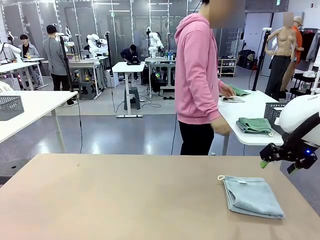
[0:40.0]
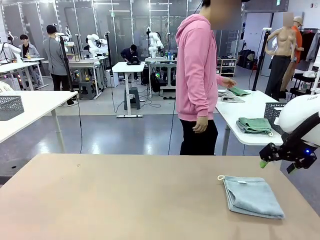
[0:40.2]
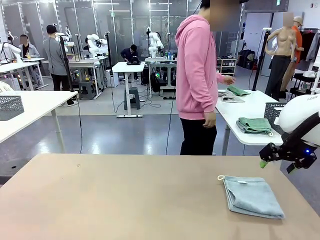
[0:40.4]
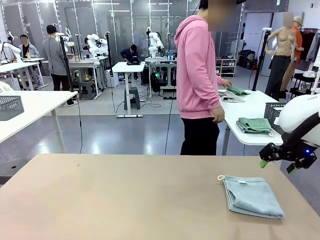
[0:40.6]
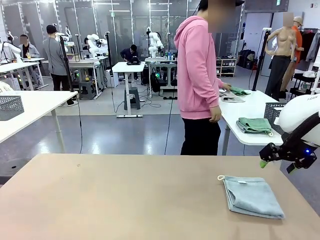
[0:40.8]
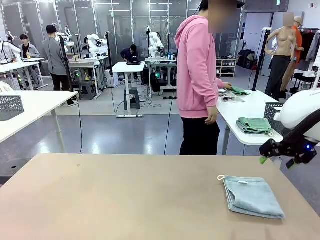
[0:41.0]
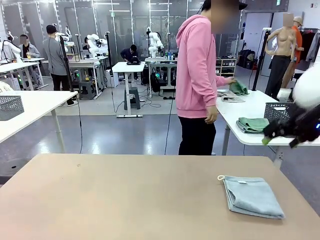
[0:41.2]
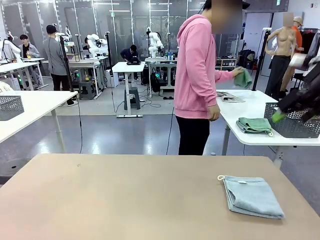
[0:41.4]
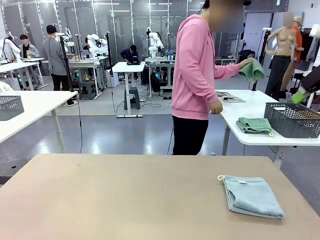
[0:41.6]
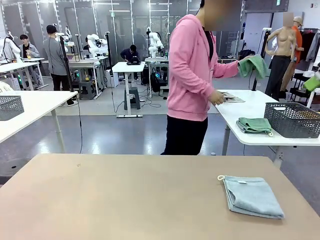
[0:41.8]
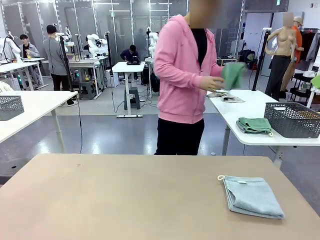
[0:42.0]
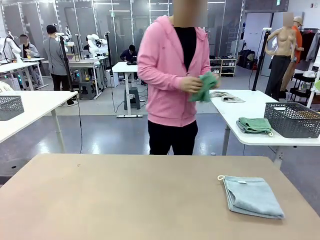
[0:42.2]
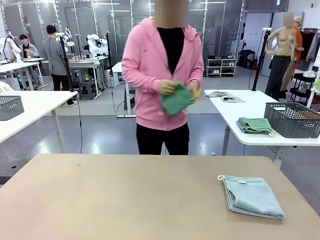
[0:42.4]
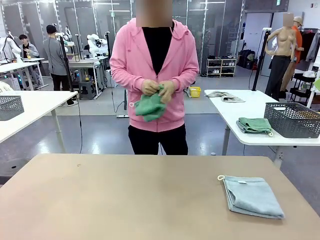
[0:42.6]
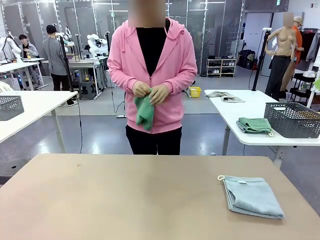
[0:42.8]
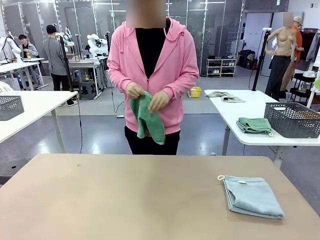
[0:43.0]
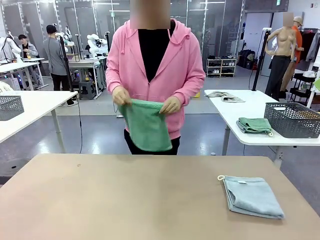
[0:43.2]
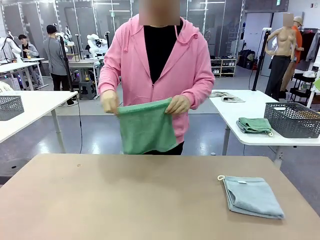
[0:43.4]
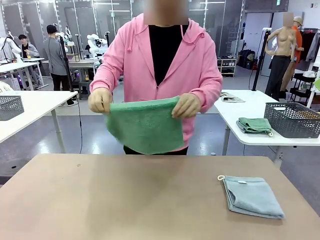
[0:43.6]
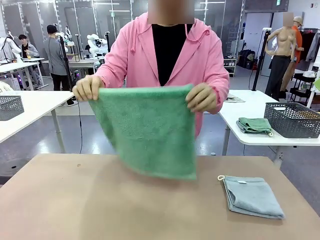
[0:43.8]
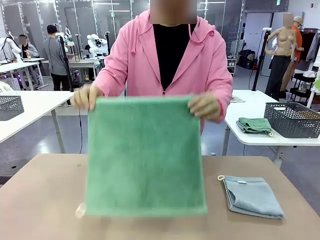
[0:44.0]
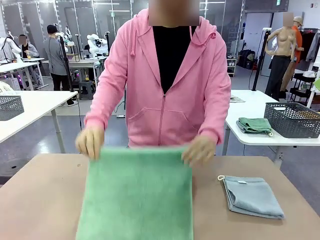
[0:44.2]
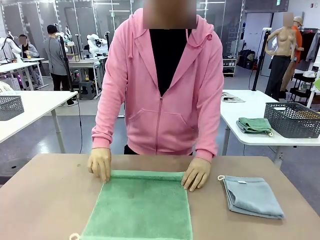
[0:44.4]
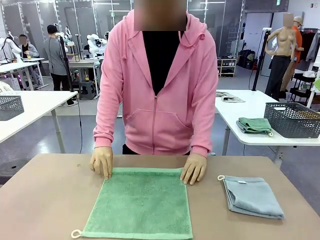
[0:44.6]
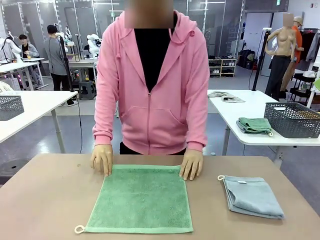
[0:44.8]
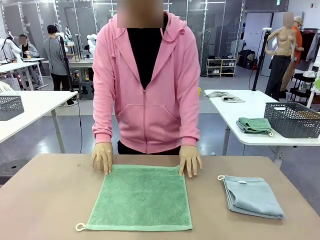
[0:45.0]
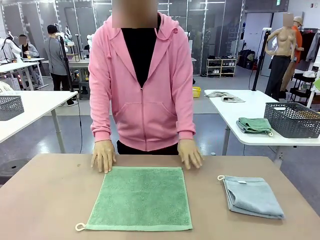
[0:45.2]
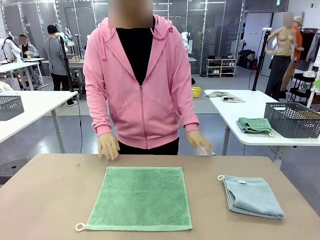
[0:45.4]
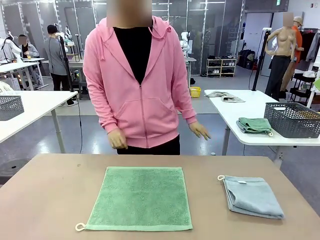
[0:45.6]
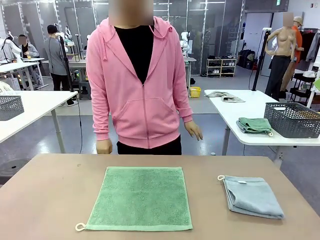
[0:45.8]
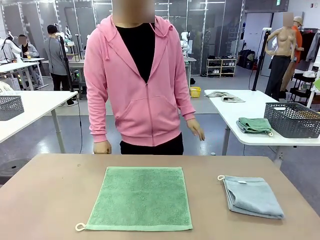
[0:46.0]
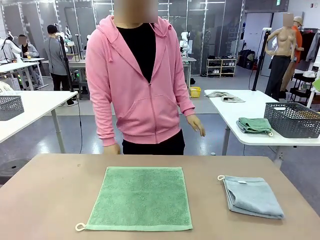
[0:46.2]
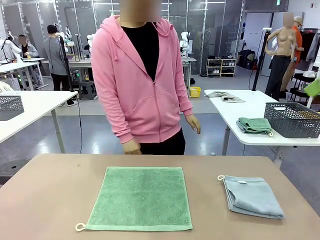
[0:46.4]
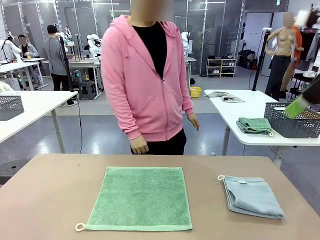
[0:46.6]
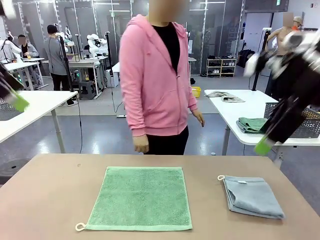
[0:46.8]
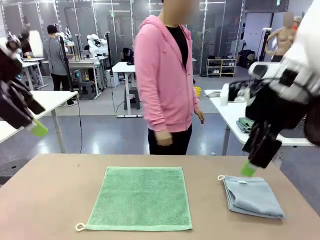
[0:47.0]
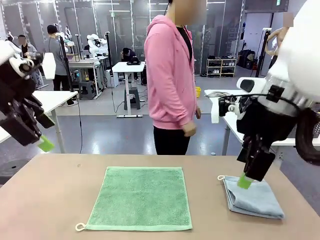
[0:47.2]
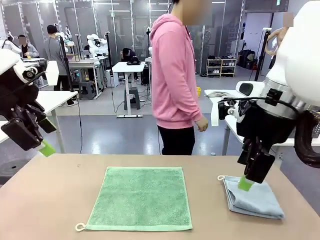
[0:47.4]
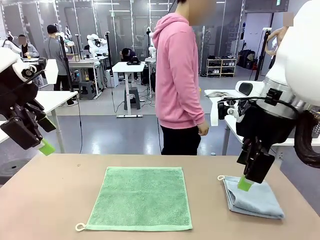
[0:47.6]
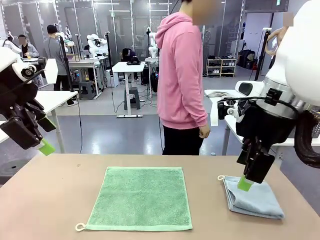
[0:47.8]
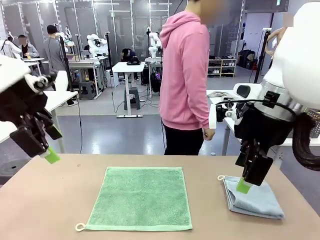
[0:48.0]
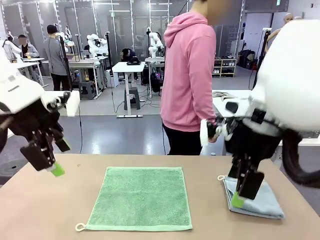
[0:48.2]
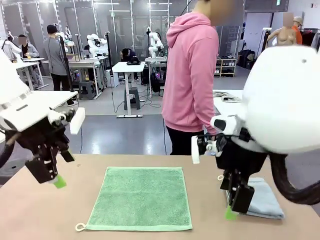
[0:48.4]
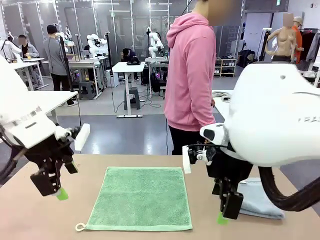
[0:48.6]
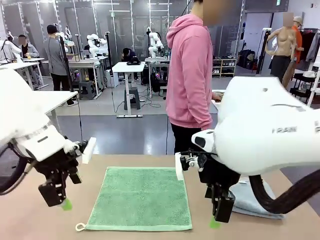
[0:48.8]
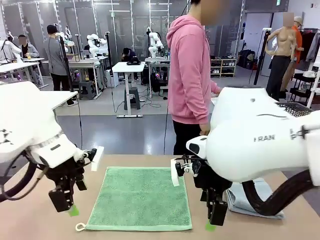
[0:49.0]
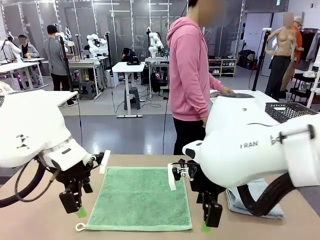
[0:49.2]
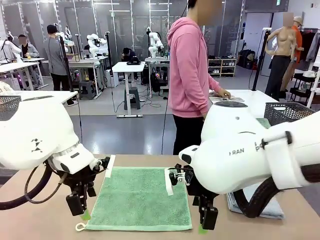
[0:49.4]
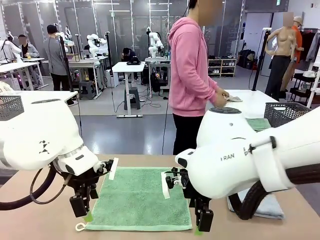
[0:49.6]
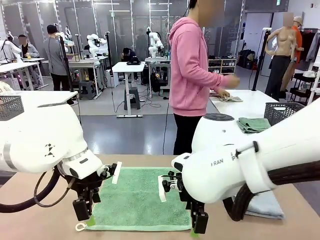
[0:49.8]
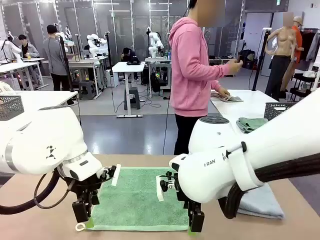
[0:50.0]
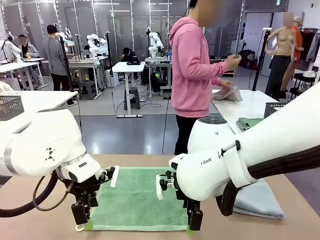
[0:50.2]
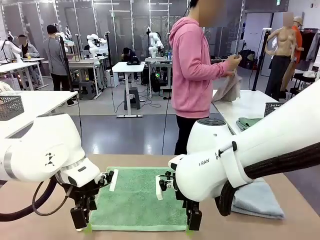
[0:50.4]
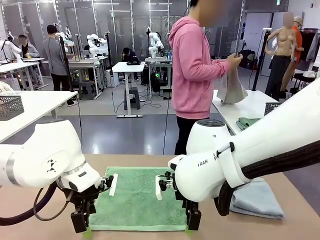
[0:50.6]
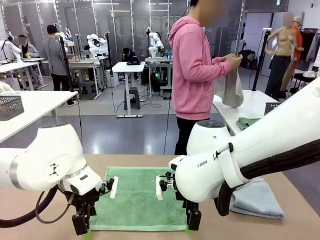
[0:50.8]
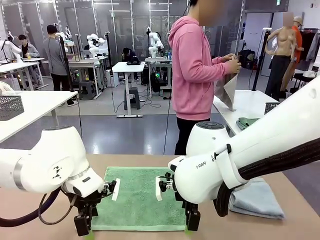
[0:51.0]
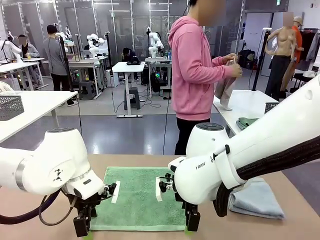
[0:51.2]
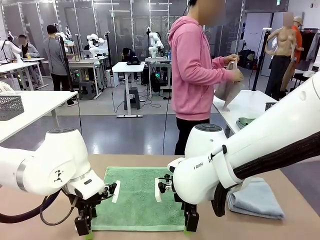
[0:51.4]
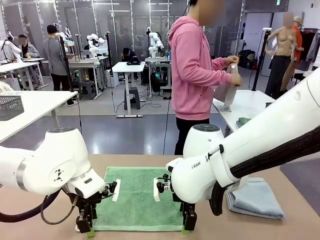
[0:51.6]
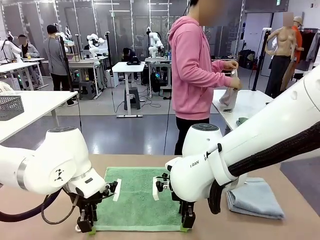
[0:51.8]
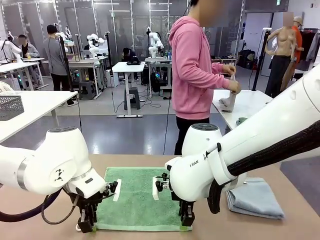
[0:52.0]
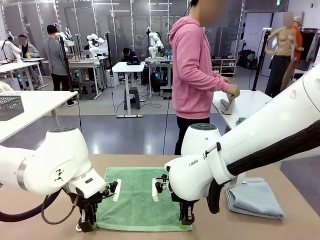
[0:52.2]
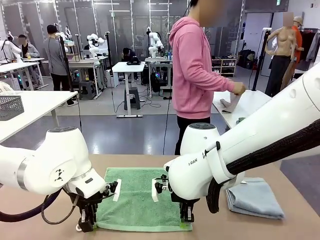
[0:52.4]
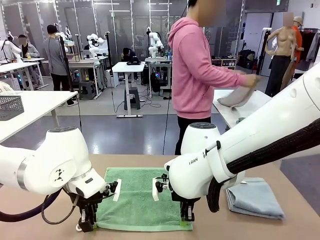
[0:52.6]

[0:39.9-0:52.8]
Task: Fold the towels and place them in the basket.
Robot: When a person lays out a Towel with hook on the table, fold it in half twice.
Person: Pick up one towel from the left side of the human table and spread it out at the center of the robot table.
